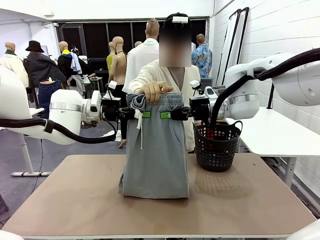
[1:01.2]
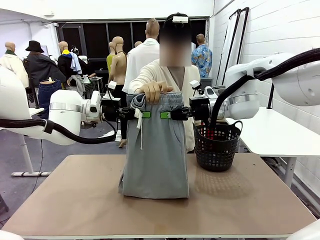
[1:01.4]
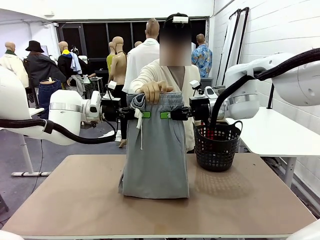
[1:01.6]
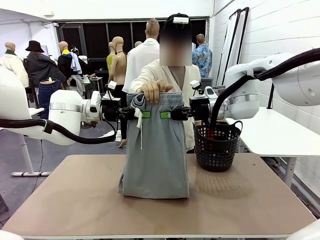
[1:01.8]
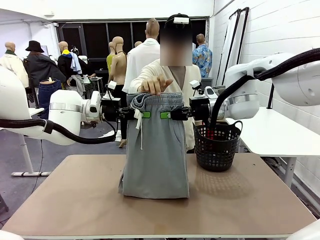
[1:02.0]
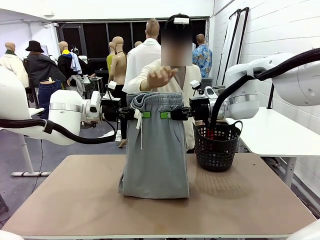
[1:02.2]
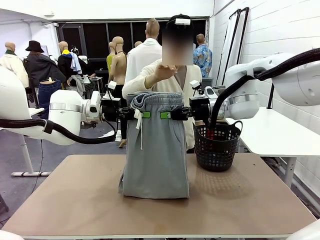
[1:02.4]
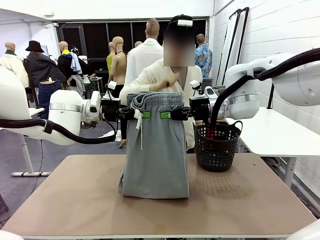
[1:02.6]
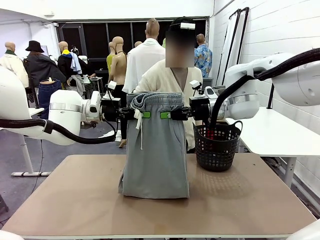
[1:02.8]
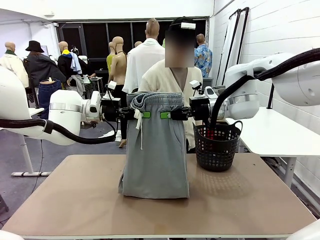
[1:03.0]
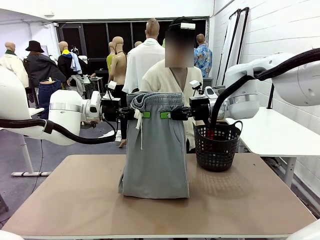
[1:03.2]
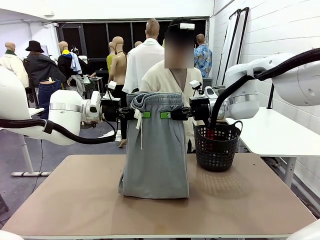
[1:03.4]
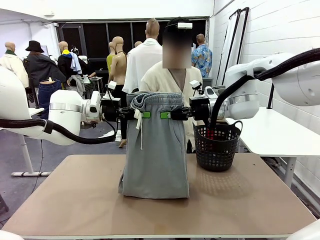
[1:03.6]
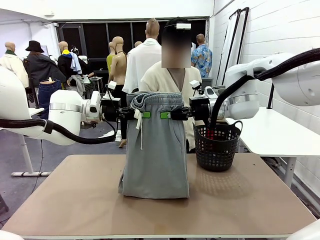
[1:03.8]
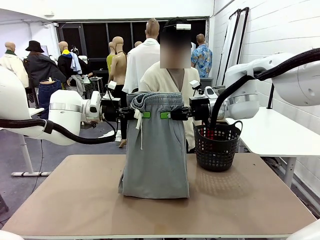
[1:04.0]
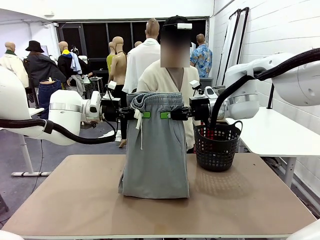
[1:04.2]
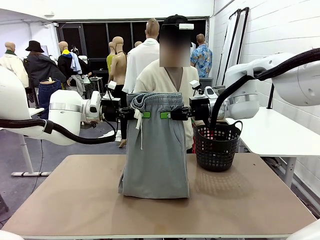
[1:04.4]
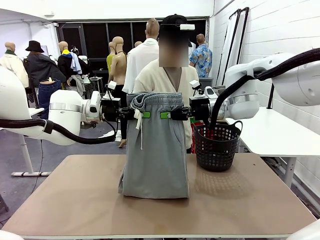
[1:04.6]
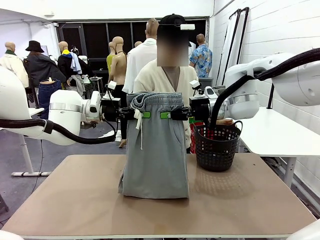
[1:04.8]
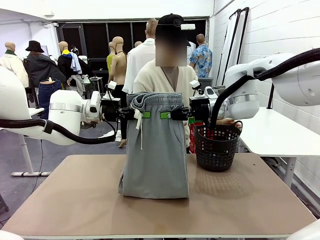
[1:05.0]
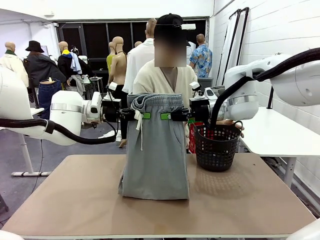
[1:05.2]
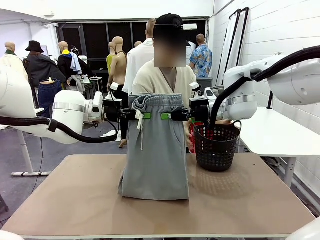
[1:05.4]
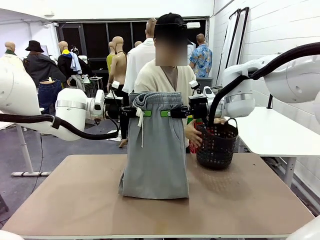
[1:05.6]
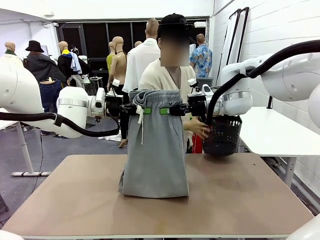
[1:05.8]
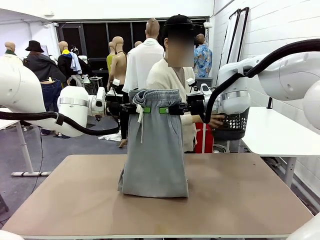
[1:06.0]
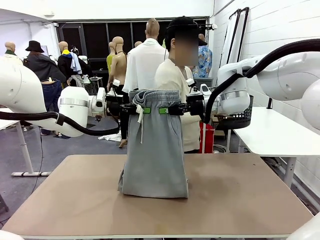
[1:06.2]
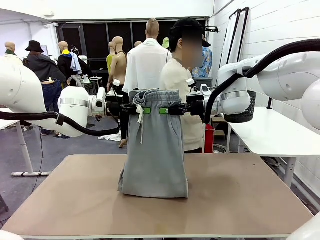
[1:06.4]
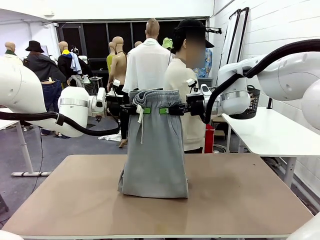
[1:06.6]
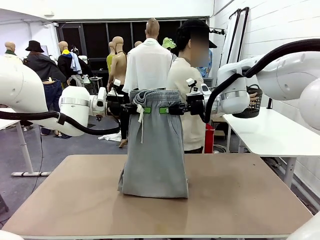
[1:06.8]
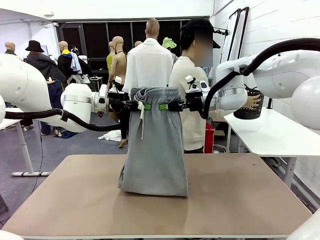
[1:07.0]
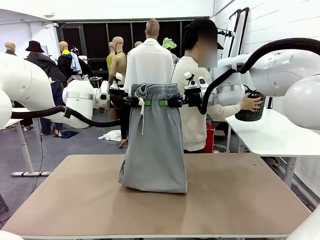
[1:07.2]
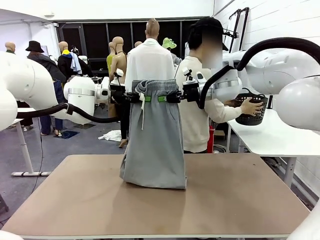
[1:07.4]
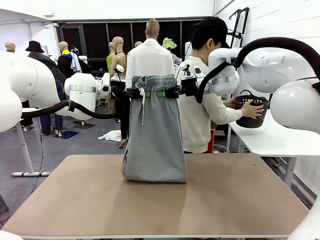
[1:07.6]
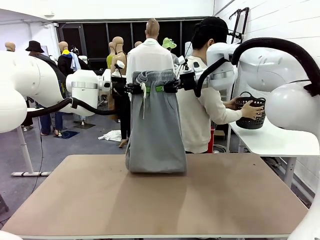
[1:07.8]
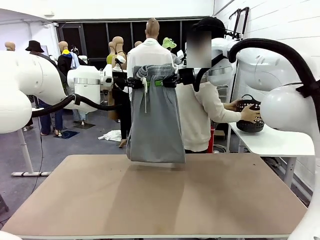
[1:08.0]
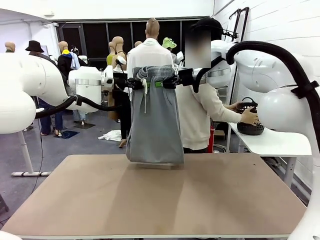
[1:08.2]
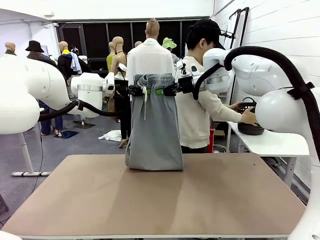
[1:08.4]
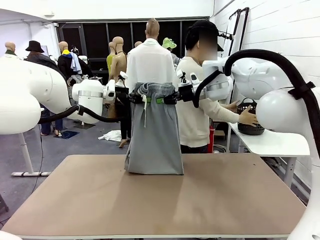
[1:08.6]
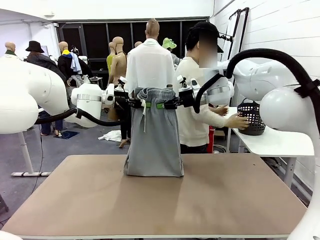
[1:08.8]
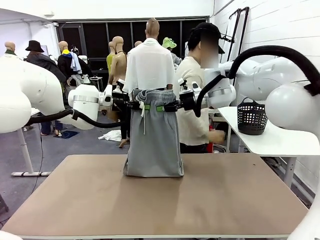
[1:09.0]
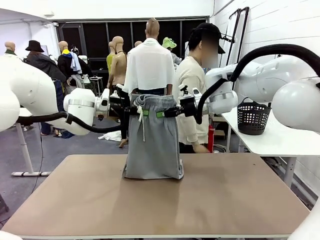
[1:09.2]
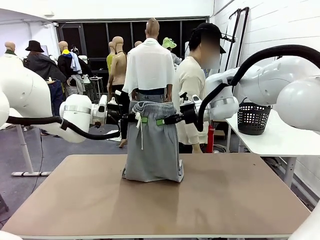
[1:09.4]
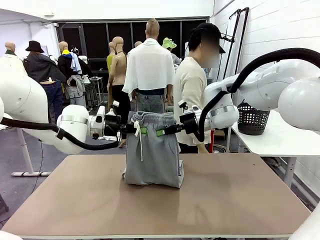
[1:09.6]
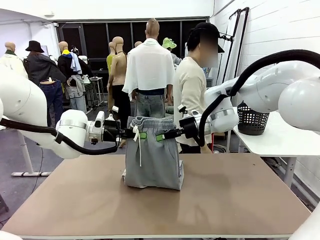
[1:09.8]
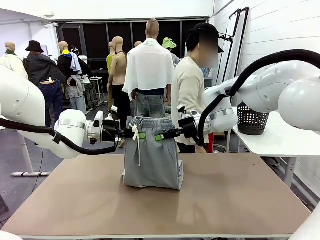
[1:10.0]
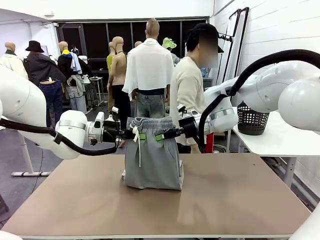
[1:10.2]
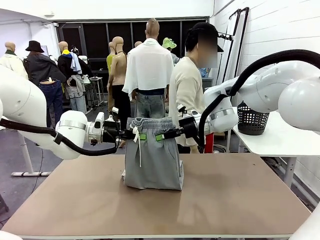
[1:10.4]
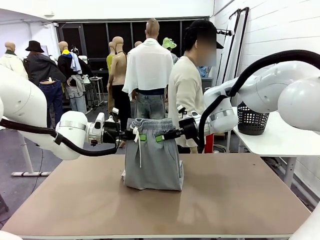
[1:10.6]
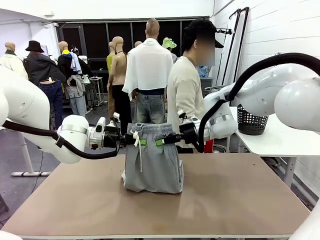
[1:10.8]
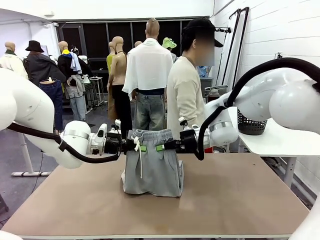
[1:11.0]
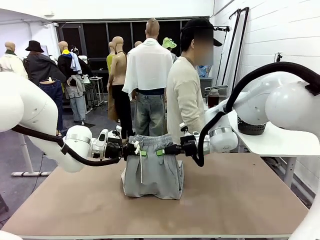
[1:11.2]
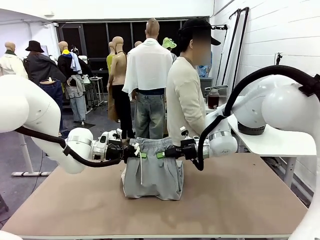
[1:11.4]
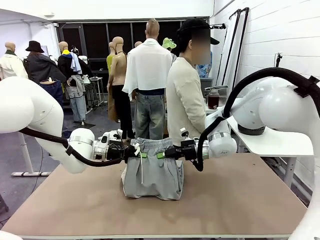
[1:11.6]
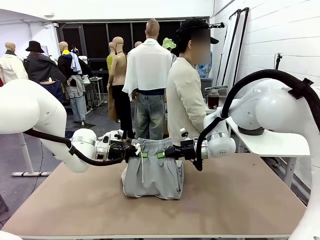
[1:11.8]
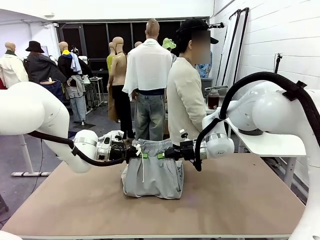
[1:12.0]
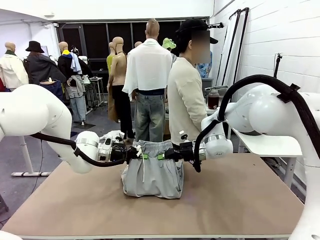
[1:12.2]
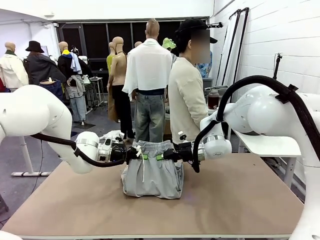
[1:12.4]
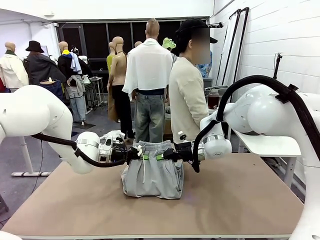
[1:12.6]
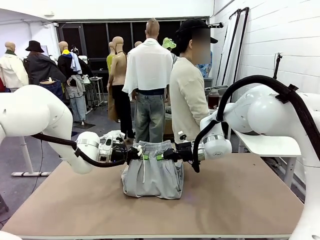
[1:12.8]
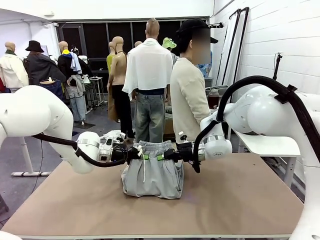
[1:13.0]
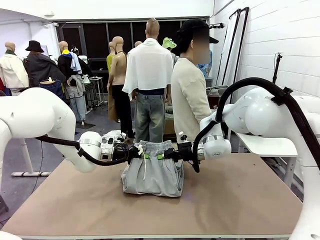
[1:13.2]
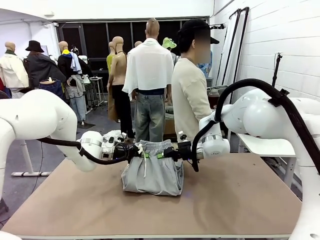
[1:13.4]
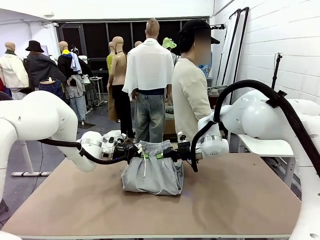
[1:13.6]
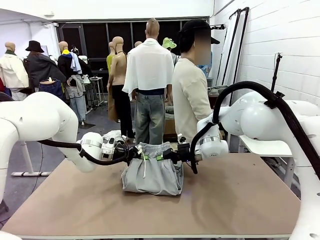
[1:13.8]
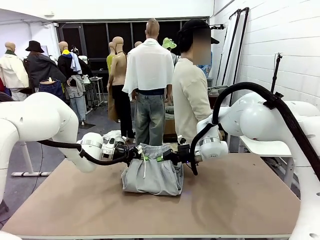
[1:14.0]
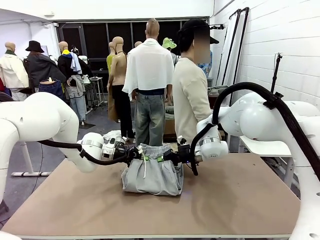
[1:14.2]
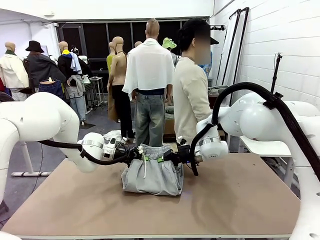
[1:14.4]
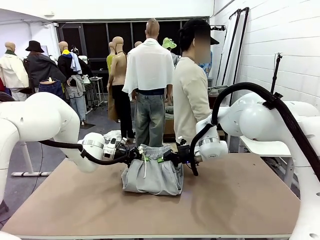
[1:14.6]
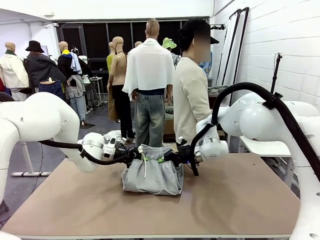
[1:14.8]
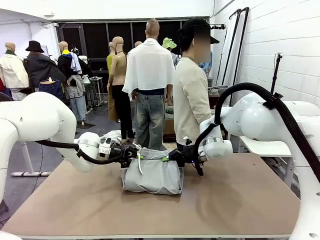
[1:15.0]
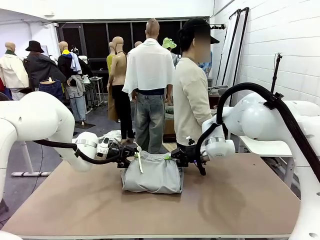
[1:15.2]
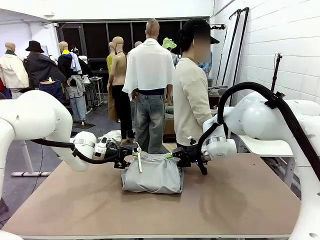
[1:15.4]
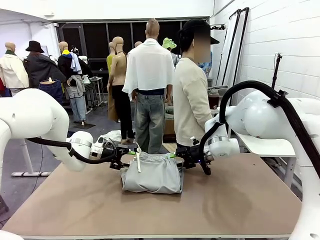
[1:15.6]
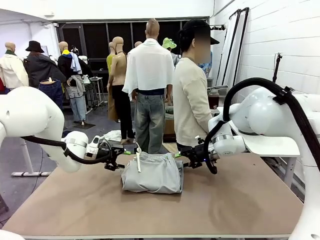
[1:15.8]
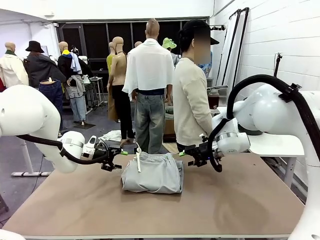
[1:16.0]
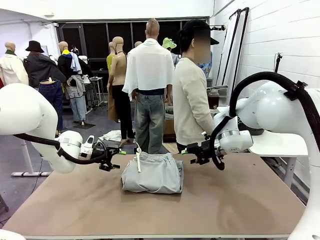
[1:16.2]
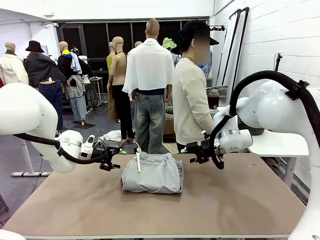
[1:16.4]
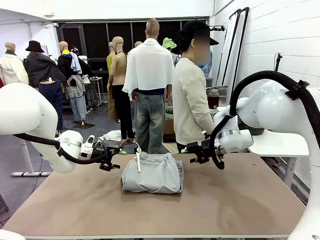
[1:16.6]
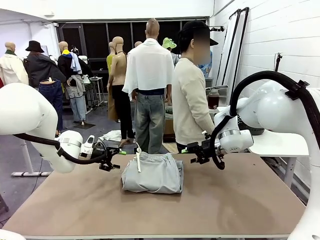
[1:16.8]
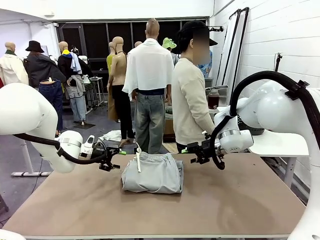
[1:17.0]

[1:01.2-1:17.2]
Task: Fold the training pants.
Robot: Fold the Training pants in half.
Person: Move the laundry basket to the right of the human table.

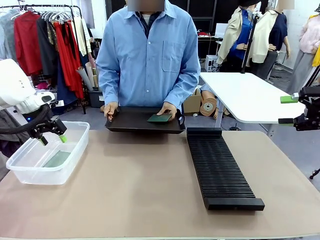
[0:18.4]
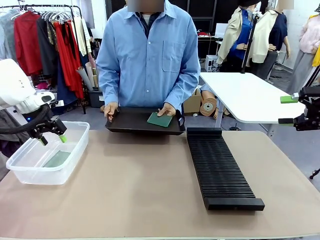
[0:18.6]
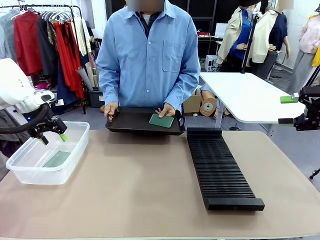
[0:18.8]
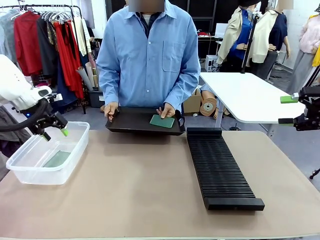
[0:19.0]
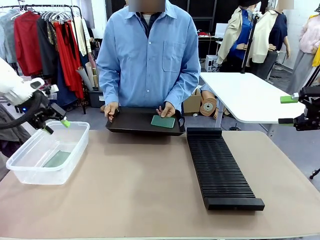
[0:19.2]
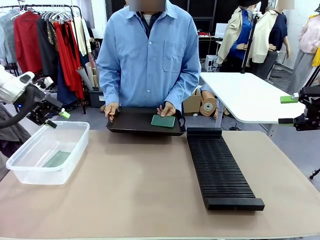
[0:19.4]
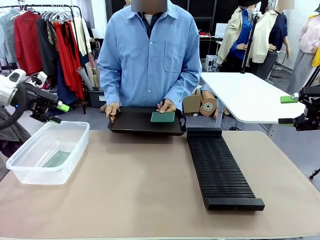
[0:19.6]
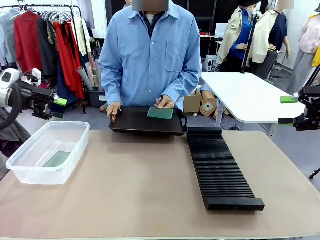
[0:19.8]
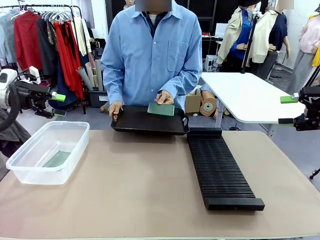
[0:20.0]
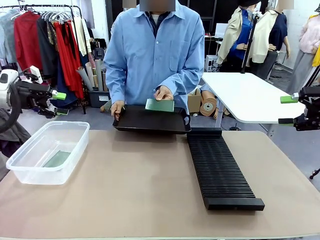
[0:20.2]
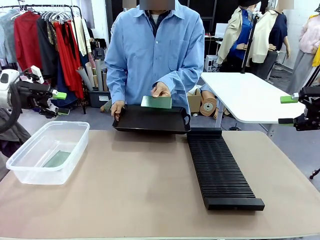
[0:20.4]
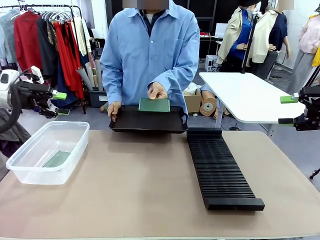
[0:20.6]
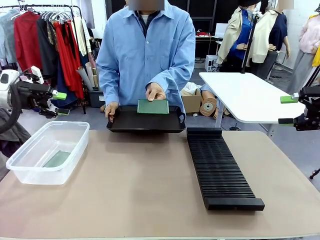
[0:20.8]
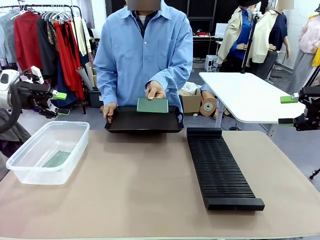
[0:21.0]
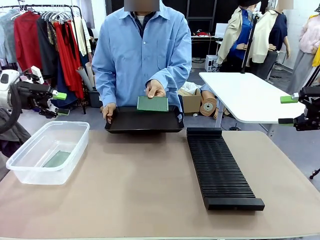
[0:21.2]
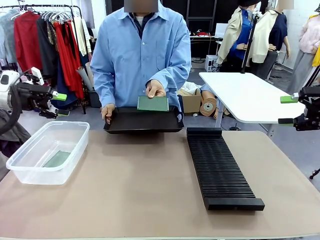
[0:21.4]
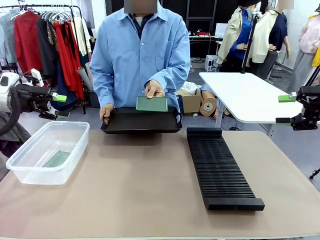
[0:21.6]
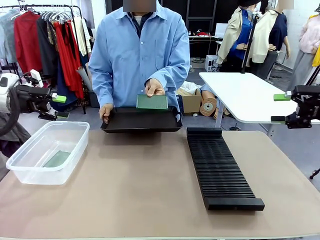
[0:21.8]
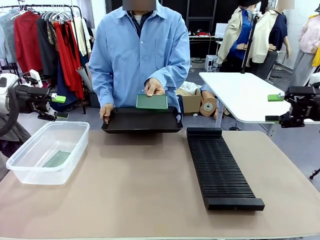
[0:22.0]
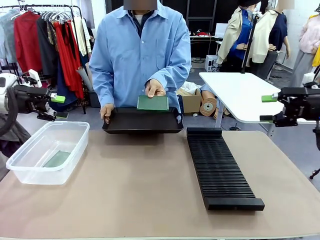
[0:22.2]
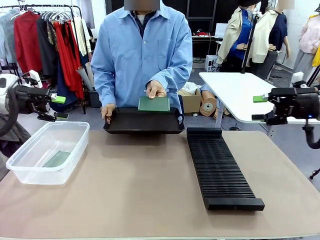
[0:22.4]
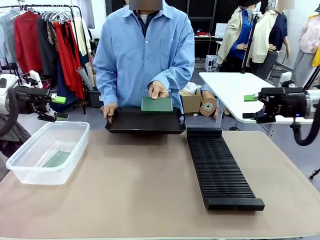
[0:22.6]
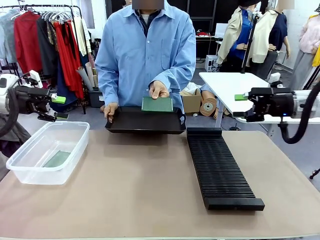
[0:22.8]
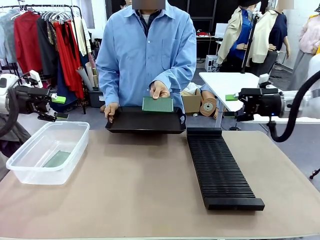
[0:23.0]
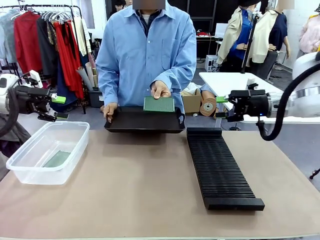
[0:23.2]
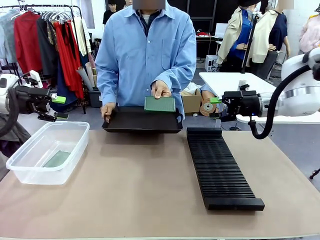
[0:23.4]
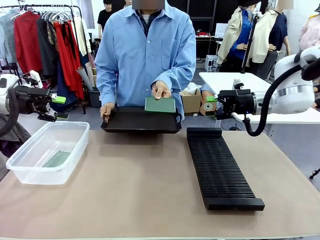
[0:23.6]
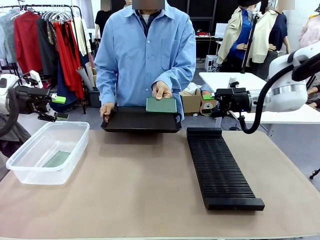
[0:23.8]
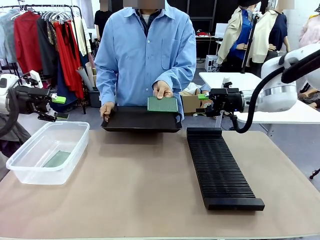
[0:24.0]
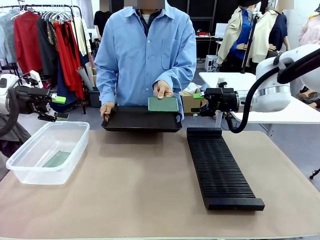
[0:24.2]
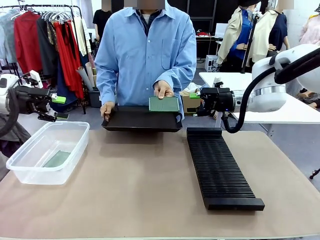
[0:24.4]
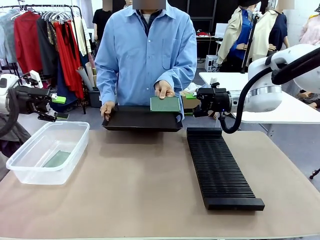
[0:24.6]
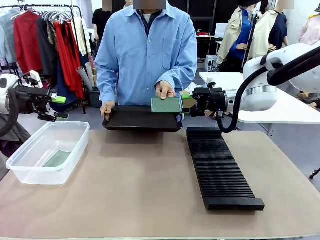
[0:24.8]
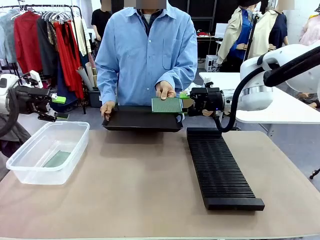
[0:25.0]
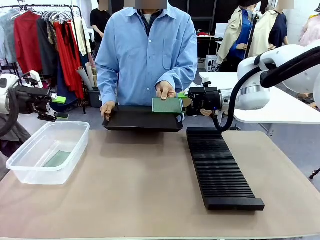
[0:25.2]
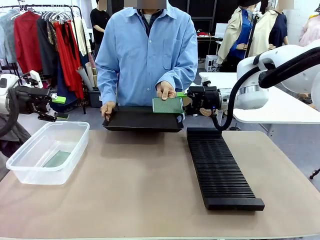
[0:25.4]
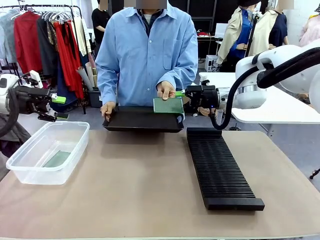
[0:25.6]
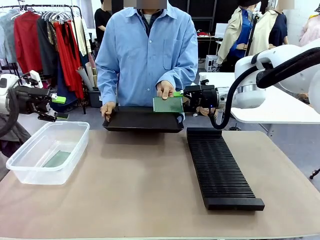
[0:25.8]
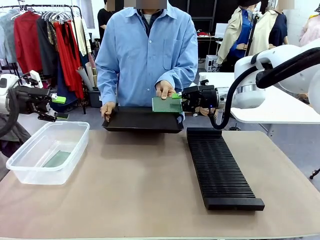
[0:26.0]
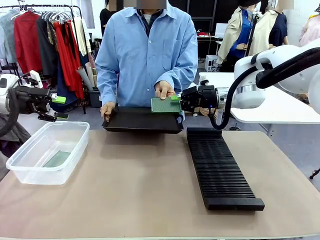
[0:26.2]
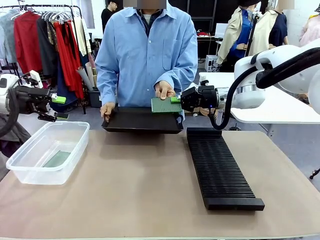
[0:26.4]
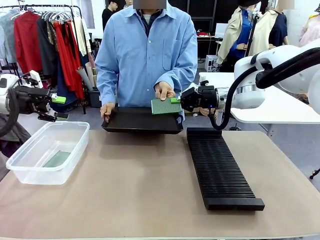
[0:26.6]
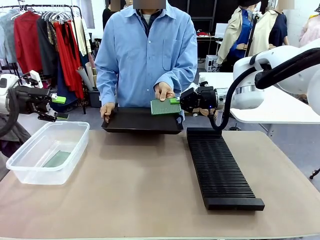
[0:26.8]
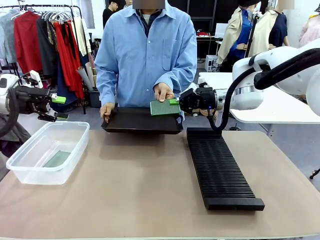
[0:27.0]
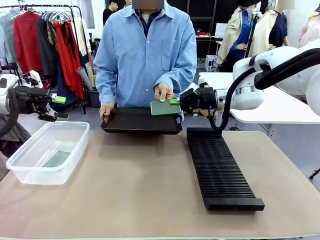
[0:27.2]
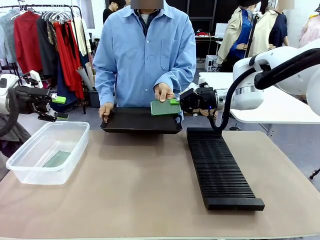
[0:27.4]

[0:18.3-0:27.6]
Task: Sort PCBs into racks and boxes based on the side picked up.
Robot: Pick up the Blank PCB handed by the Human.
